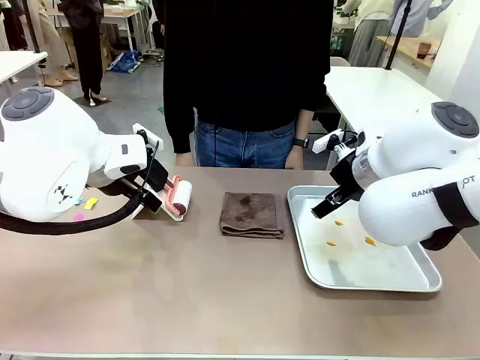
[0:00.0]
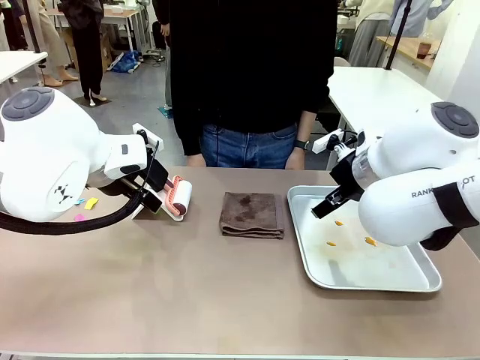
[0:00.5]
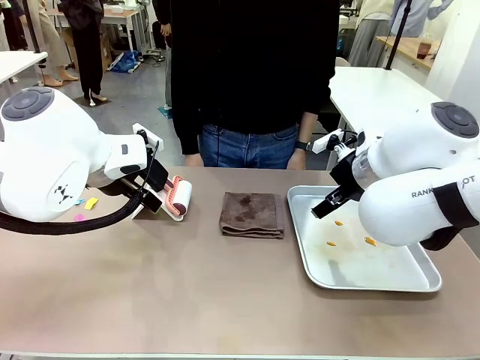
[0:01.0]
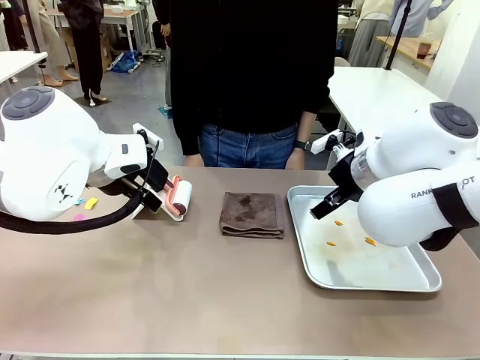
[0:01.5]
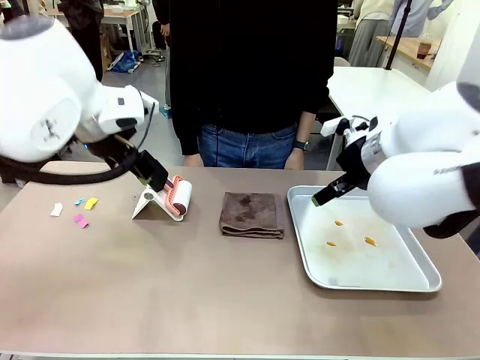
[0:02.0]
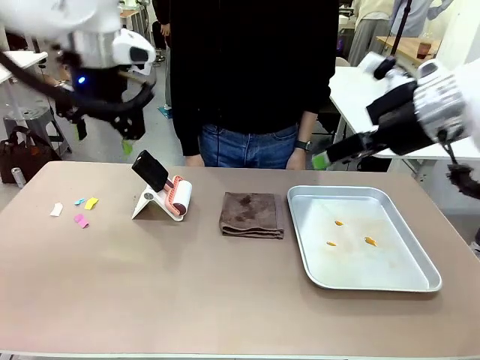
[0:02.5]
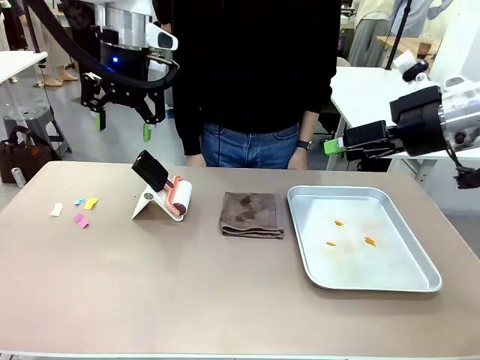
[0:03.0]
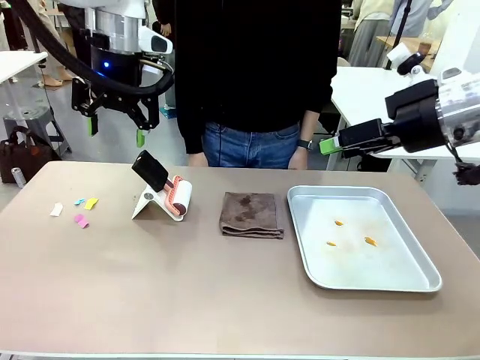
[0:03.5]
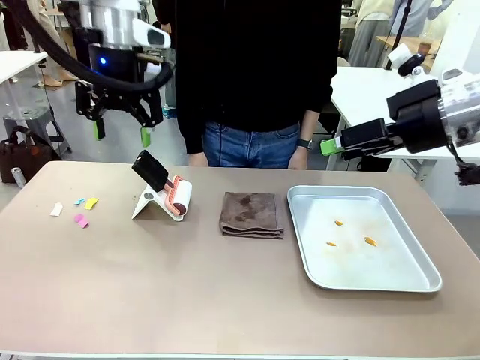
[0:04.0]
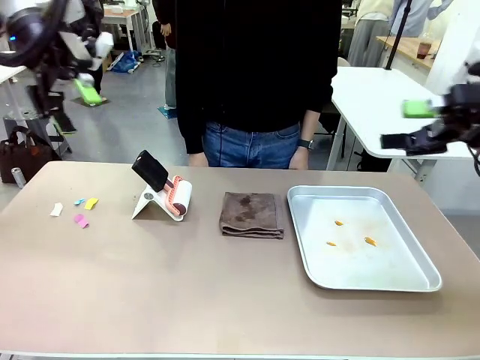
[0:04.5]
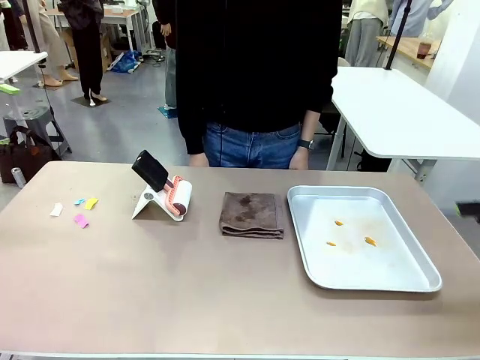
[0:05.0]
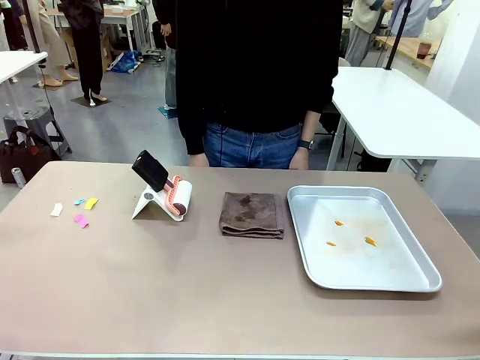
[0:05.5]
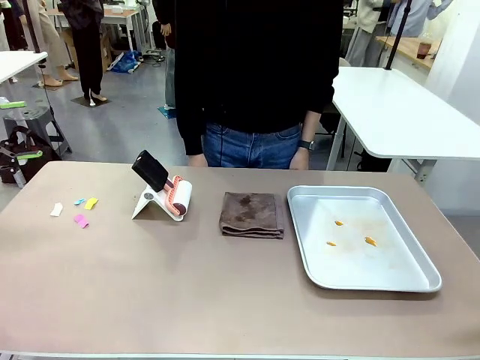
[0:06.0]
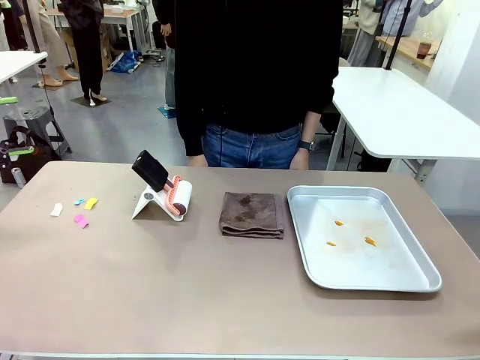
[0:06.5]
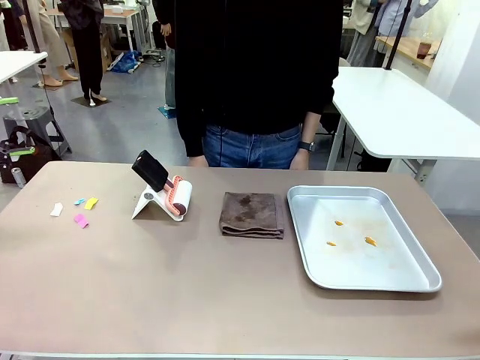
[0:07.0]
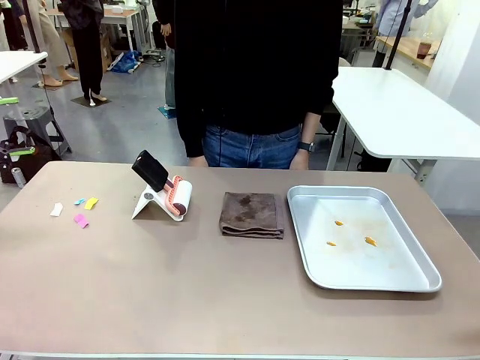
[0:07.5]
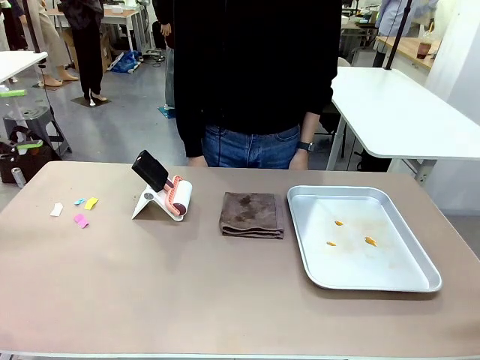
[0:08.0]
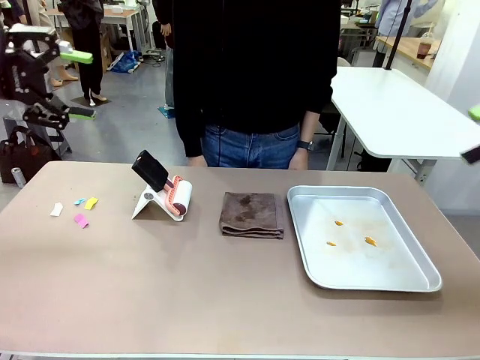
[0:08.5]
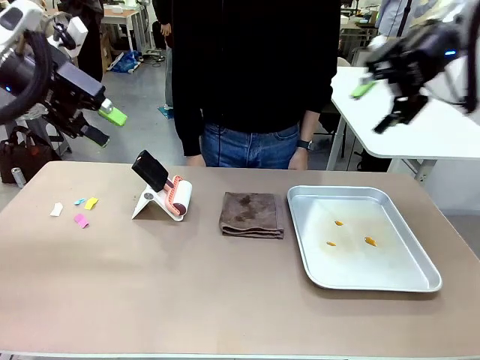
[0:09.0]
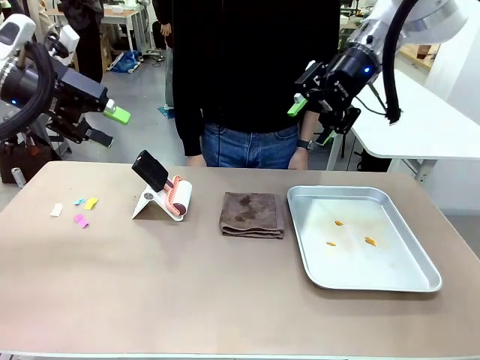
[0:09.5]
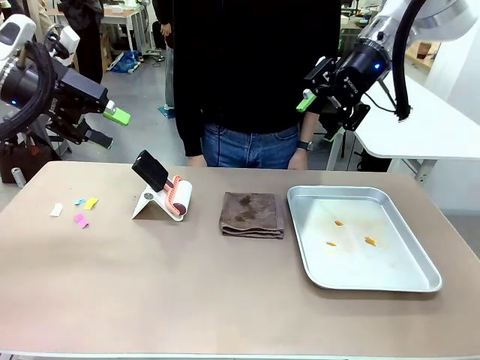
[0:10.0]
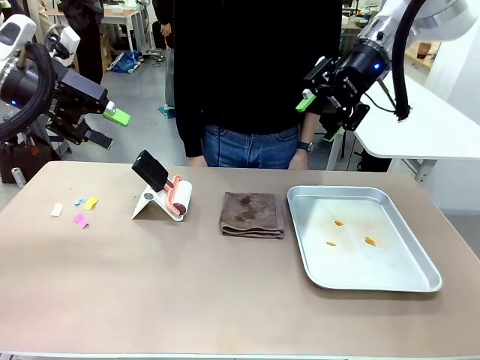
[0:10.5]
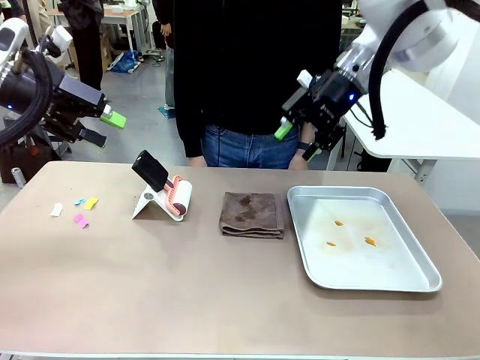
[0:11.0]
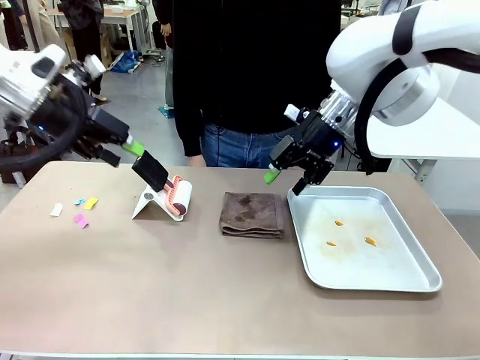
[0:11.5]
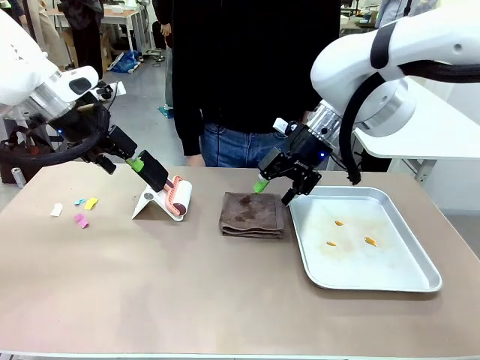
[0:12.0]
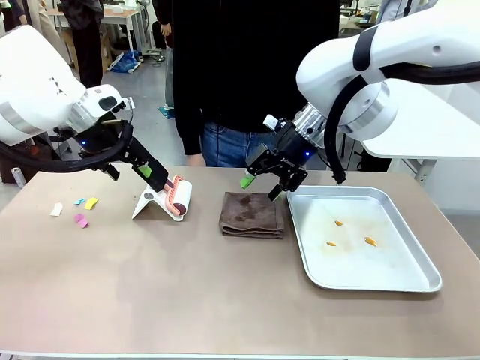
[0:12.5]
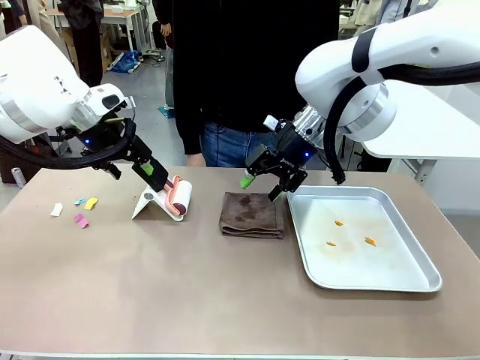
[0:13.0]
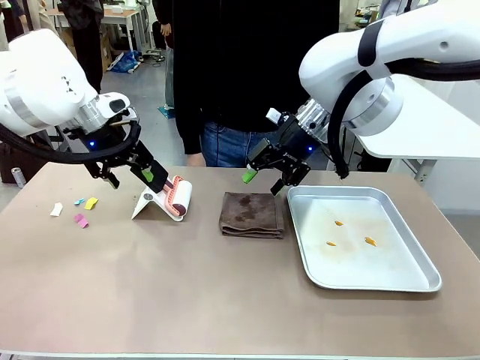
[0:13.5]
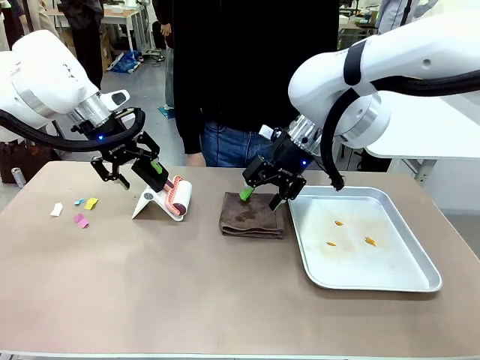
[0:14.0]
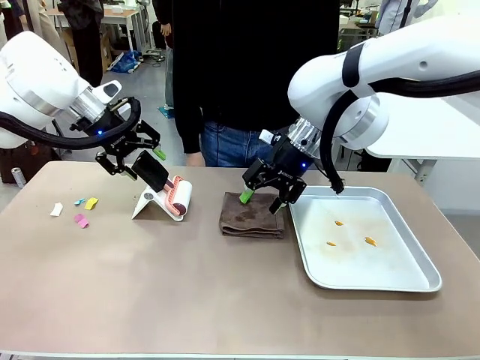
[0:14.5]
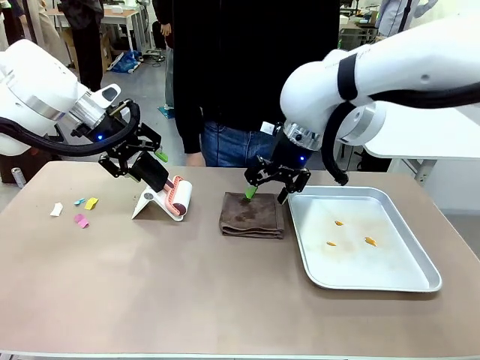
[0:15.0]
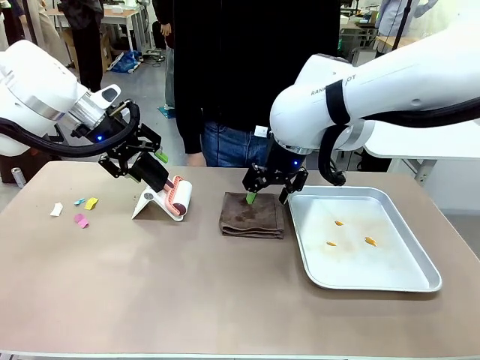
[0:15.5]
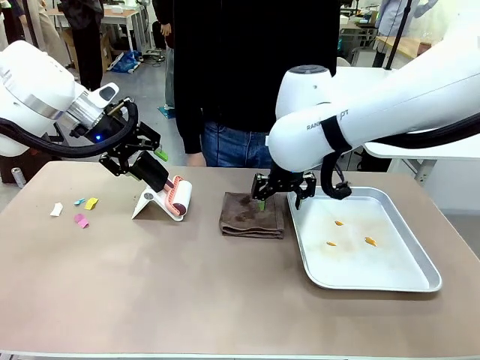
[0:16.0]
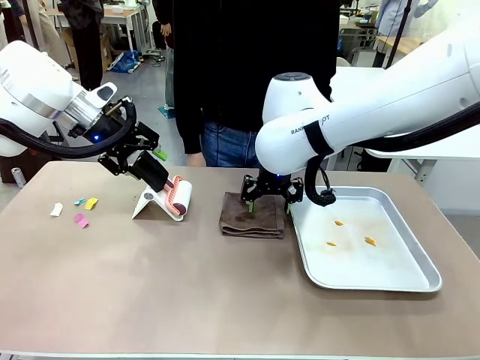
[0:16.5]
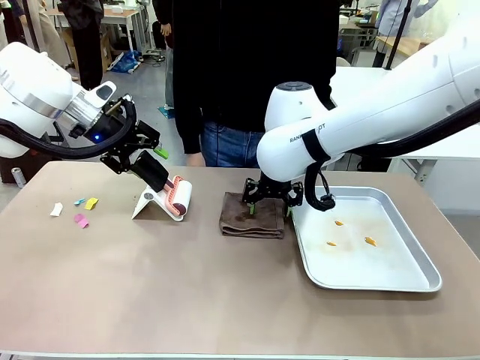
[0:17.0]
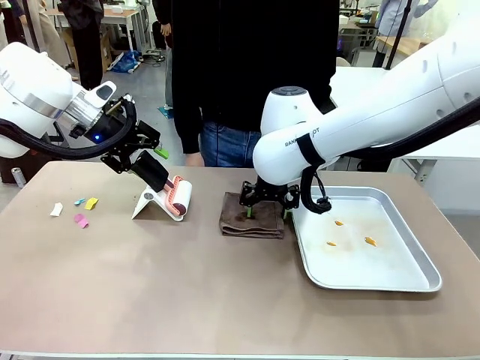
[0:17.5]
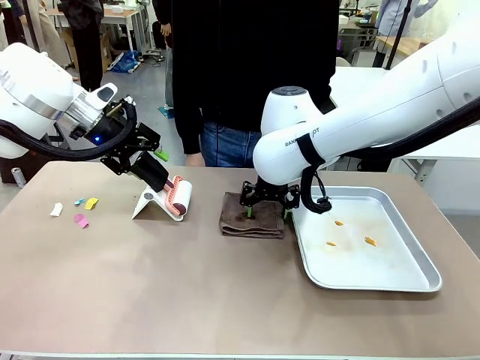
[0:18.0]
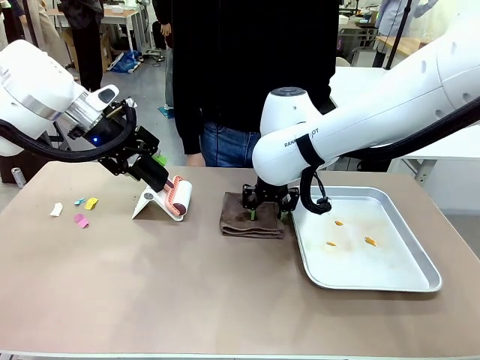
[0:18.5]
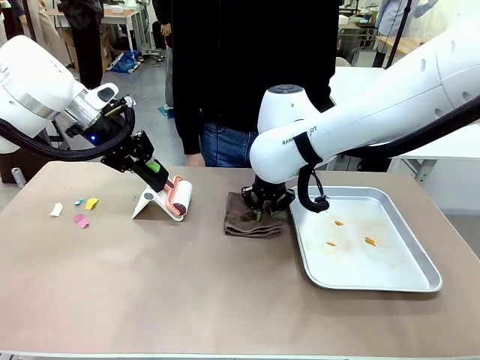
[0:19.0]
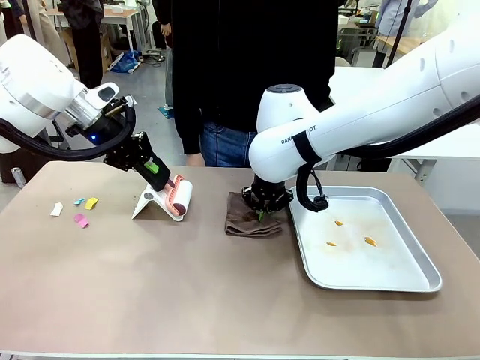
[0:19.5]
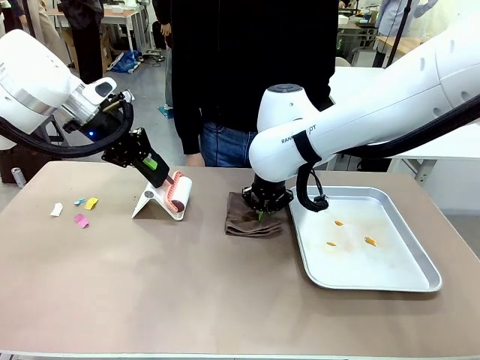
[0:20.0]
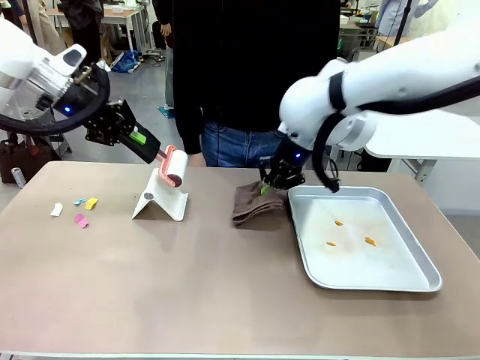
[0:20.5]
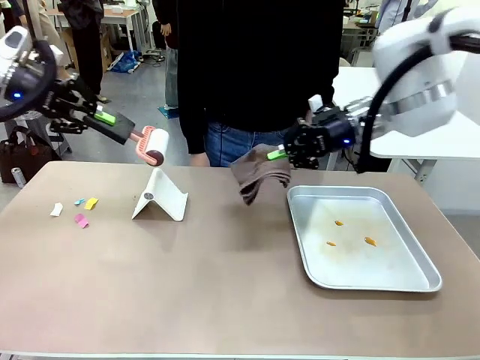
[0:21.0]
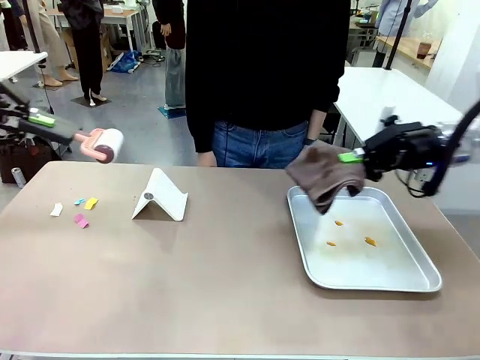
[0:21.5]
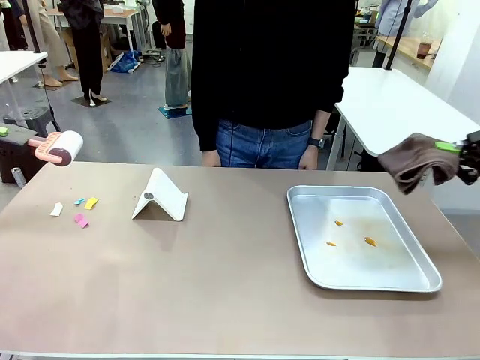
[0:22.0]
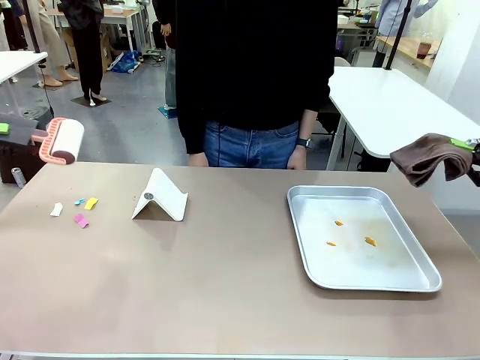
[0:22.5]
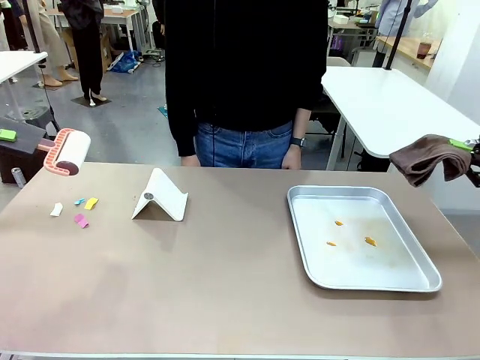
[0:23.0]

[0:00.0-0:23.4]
Task: Clean the surface of the table.
Robot: Hold the Lint Roller with your left hand and the towel with your right hand.
